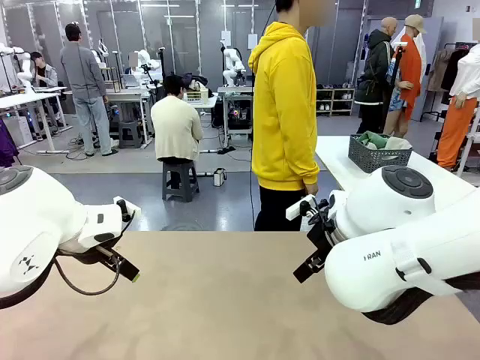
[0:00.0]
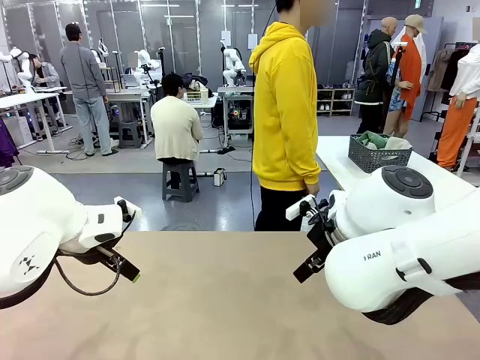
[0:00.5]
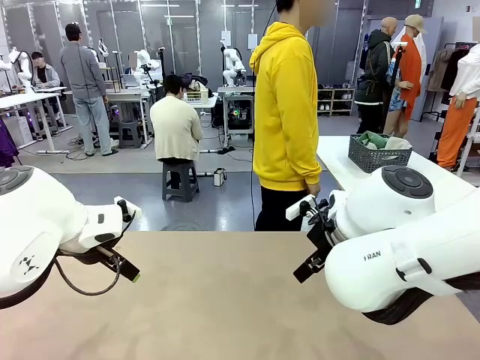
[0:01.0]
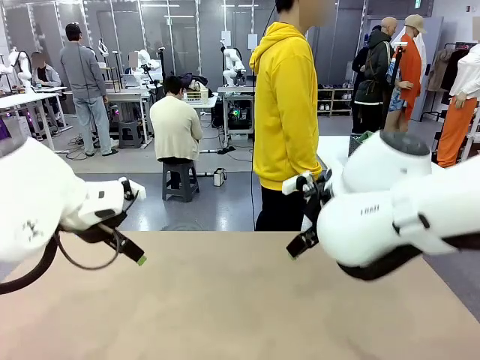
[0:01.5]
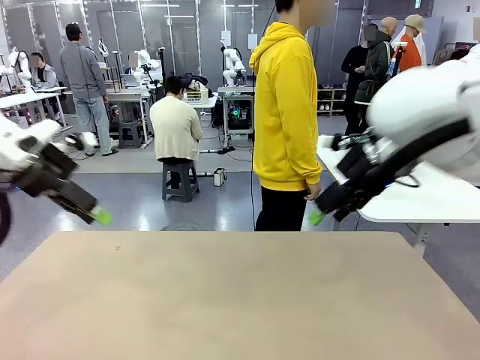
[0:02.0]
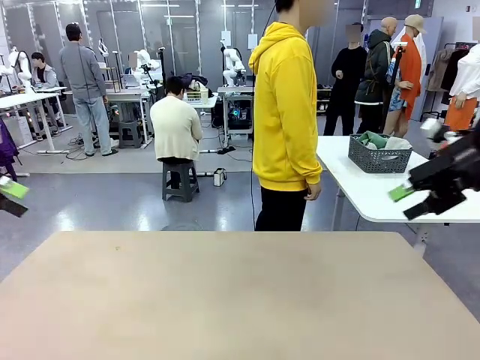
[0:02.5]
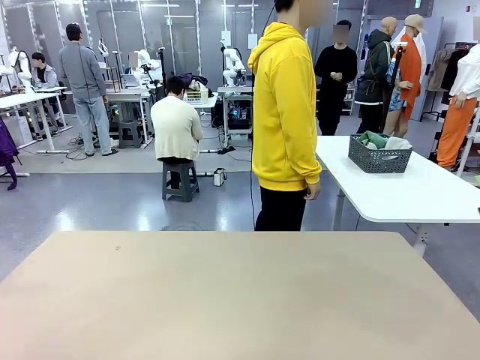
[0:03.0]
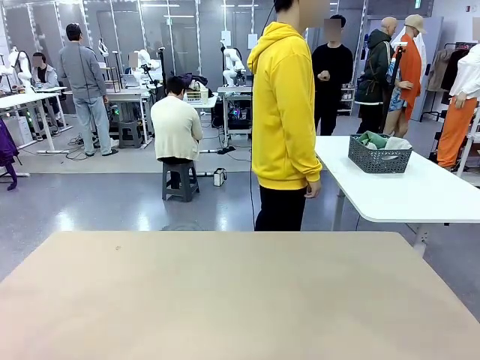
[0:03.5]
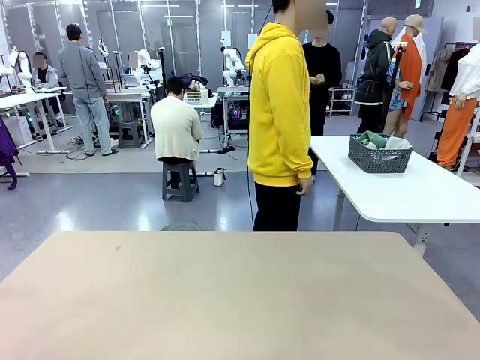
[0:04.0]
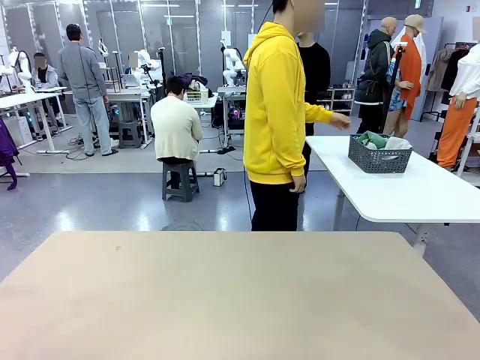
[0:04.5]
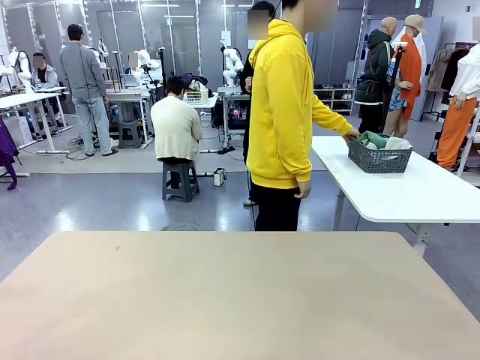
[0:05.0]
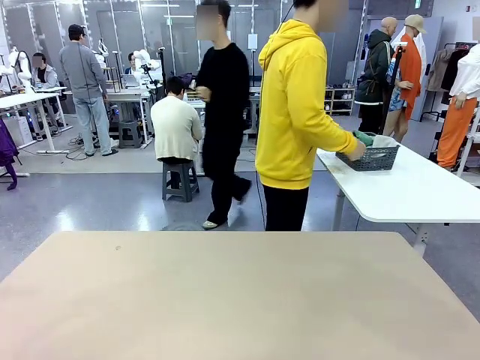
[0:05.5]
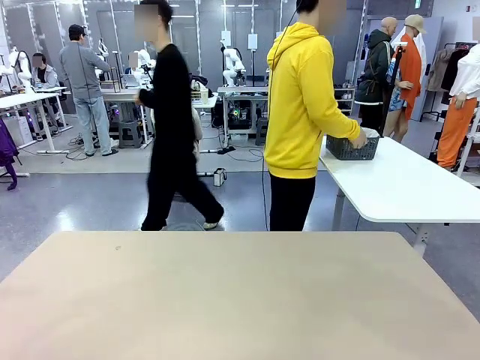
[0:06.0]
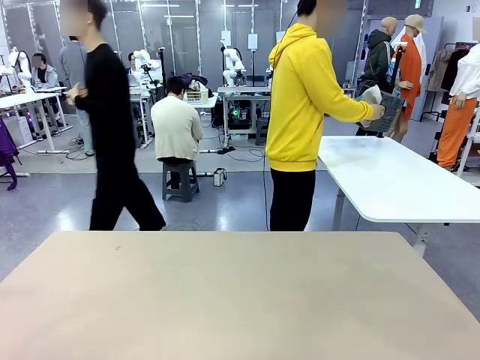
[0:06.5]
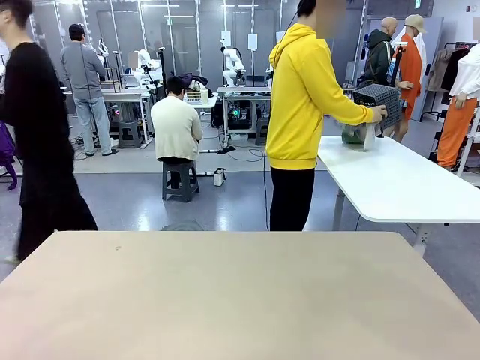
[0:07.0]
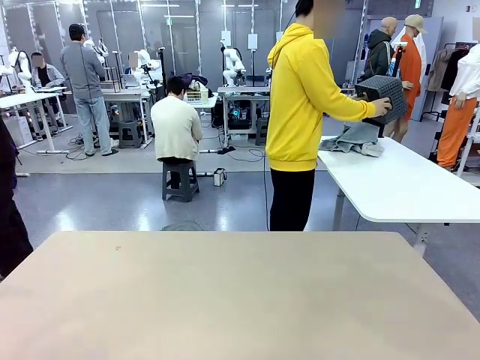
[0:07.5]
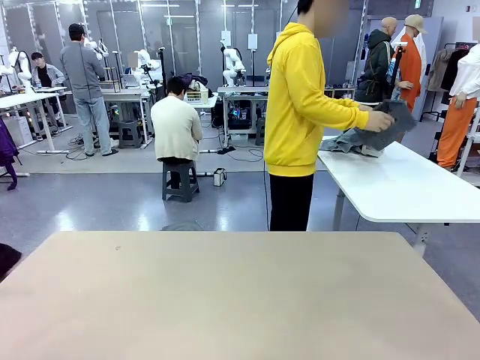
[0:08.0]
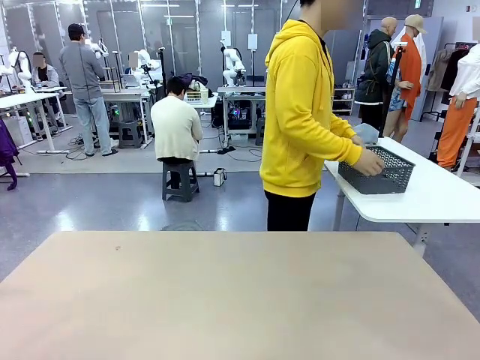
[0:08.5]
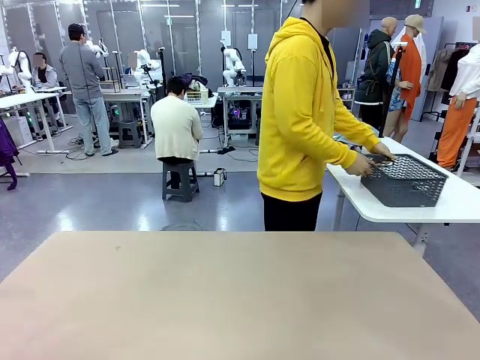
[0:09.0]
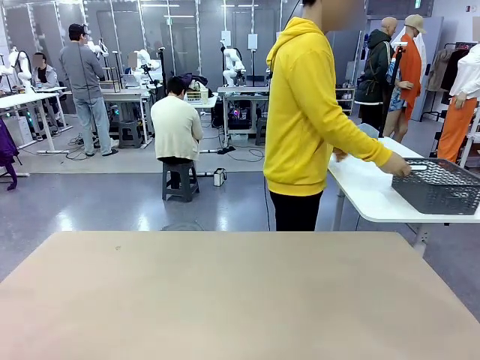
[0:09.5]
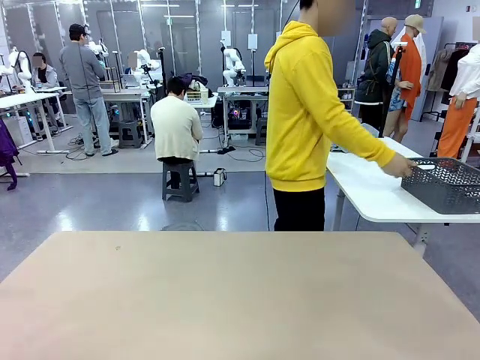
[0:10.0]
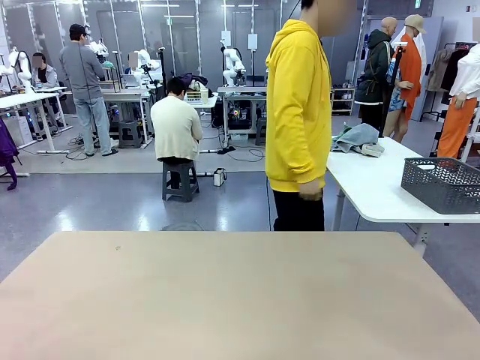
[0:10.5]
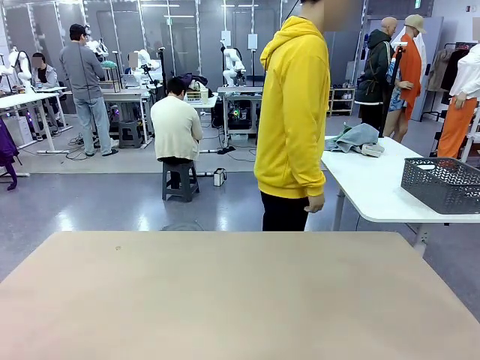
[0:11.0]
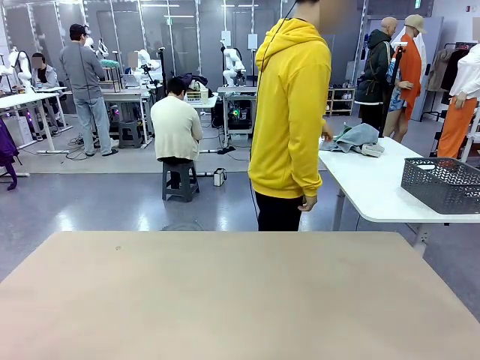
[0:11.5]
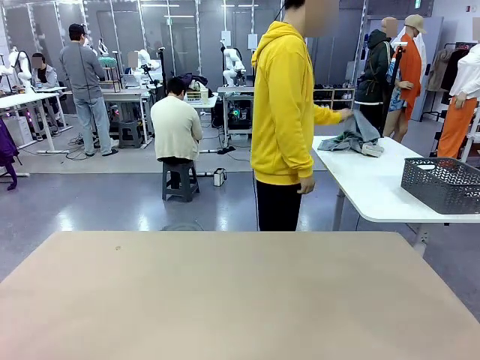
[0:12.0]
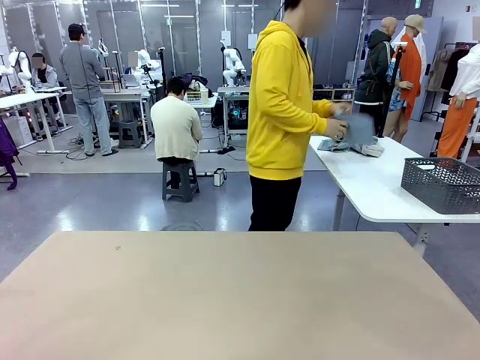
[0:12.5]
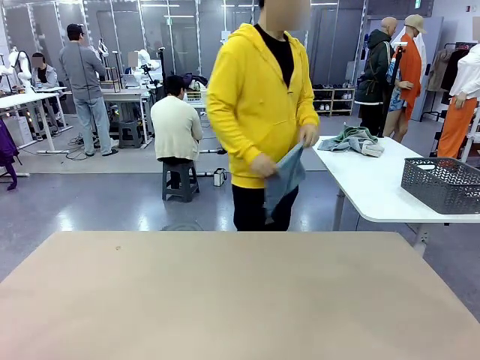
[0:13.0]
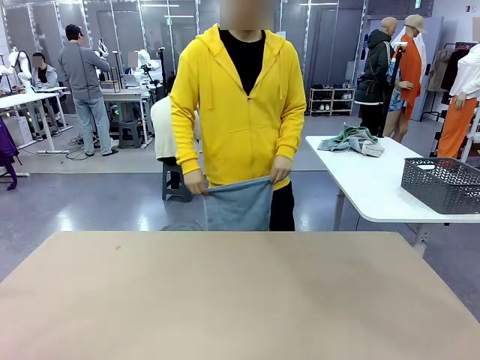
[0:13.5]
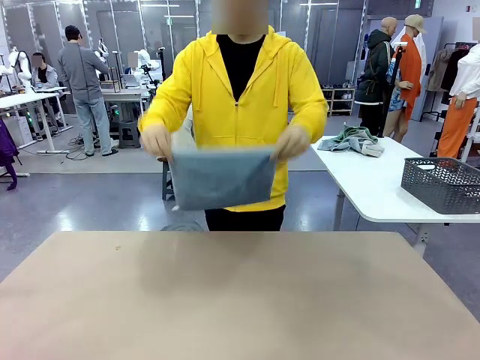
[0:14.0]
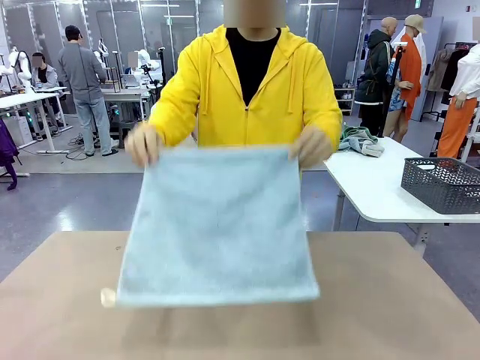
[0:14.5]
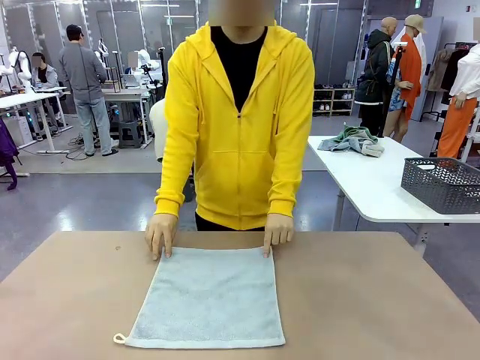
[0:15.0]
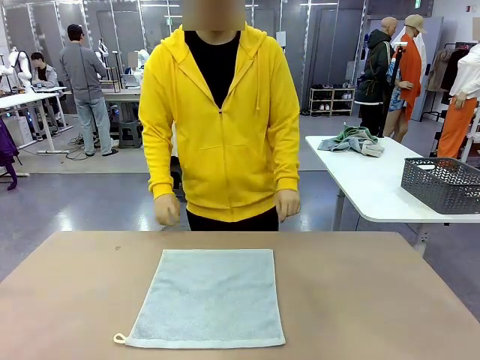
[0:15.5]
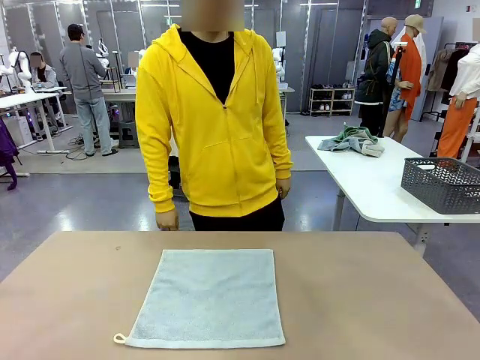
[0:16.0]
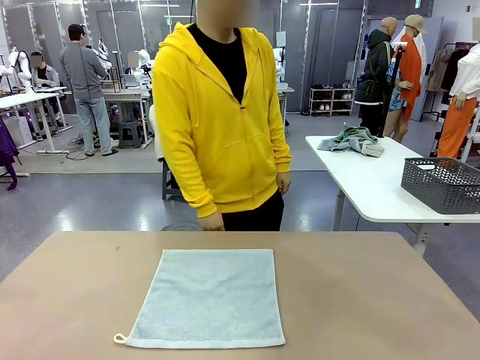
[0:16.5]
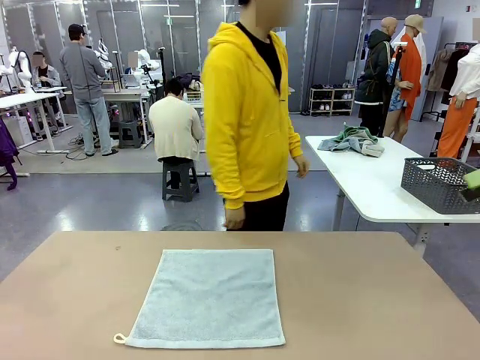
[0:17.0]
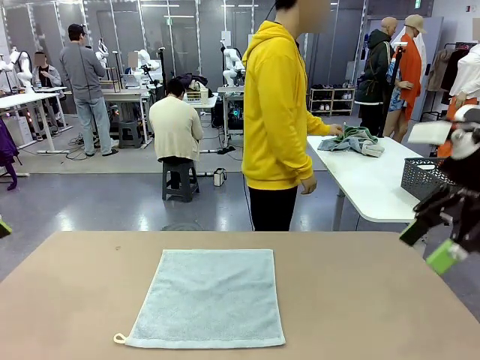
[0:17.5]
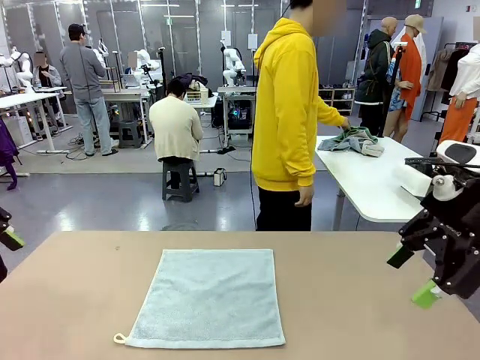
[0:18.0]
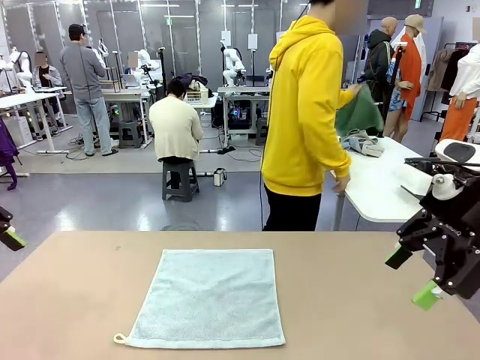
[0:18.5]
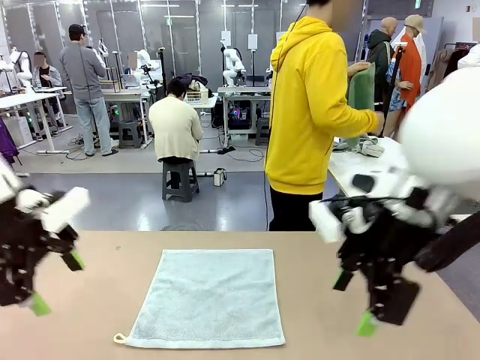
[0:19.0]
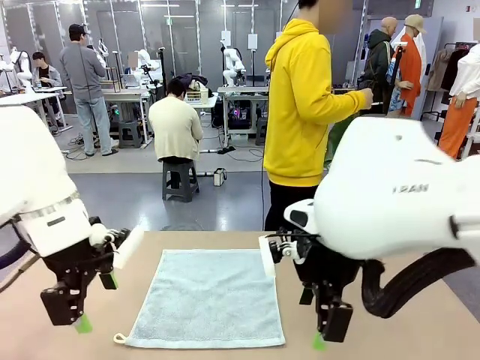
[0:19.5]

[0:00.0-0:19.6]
Task: Fold the towels and place them in the basket.
Robot: When a person lays out a Towel with hook on the table, fold it in half twice.
Person: Pick up the basket, pour the towels onto the left side of the human table, and place the basket on the right side. Pick up one towel and spread it out at the center of the robot table.
